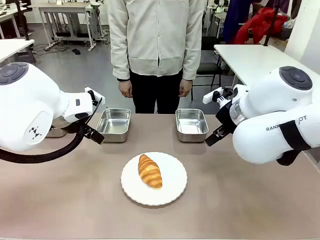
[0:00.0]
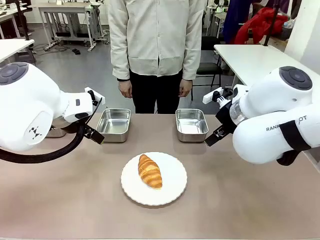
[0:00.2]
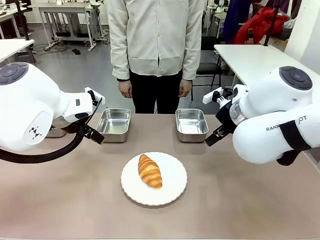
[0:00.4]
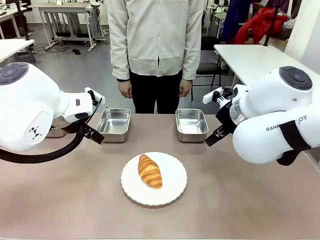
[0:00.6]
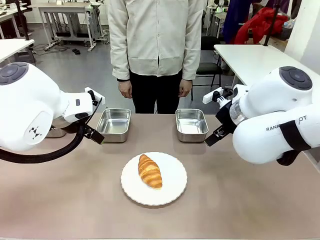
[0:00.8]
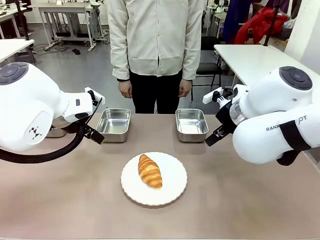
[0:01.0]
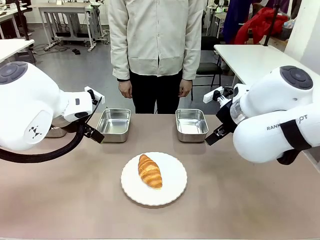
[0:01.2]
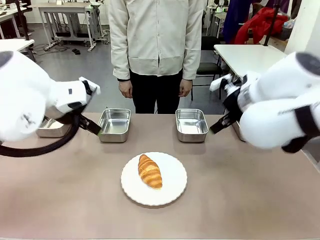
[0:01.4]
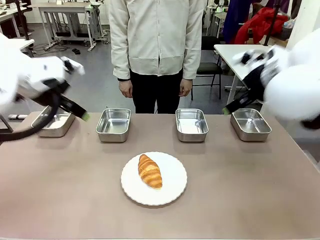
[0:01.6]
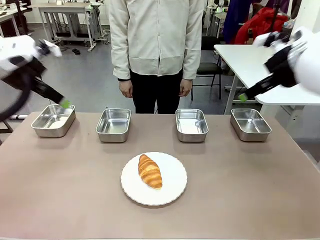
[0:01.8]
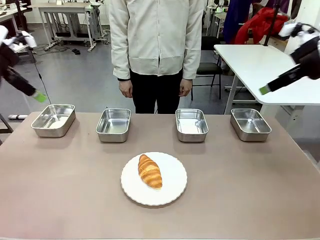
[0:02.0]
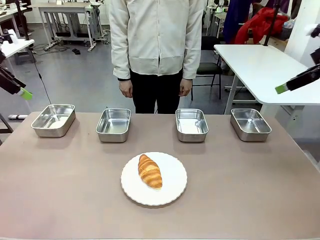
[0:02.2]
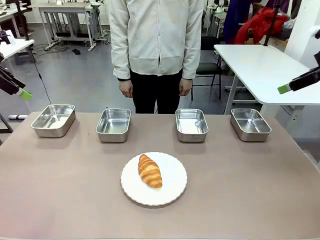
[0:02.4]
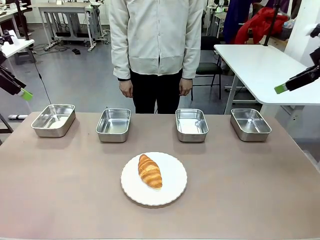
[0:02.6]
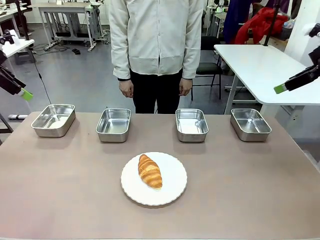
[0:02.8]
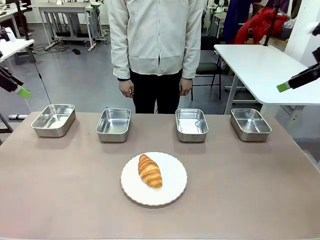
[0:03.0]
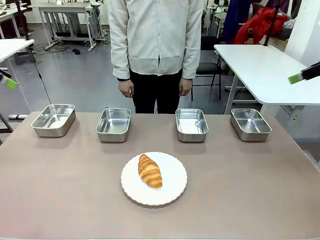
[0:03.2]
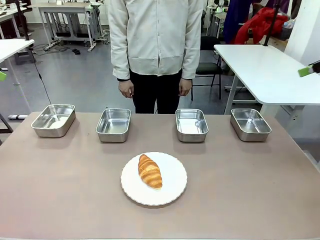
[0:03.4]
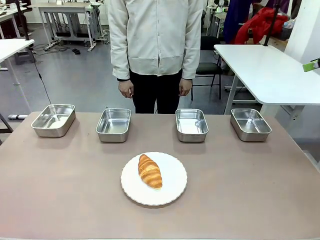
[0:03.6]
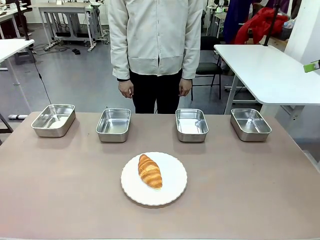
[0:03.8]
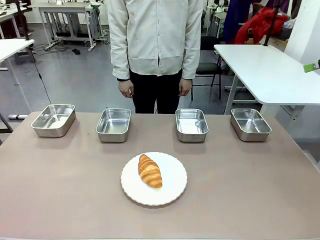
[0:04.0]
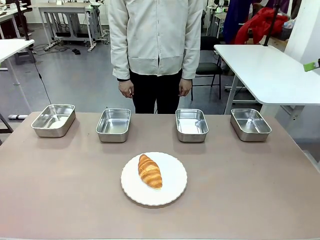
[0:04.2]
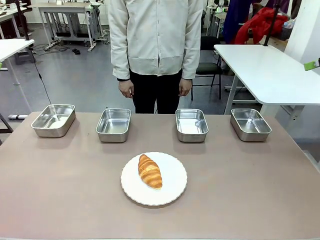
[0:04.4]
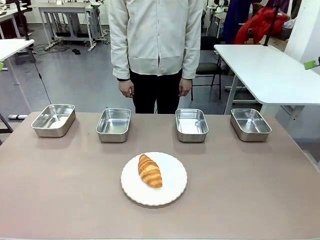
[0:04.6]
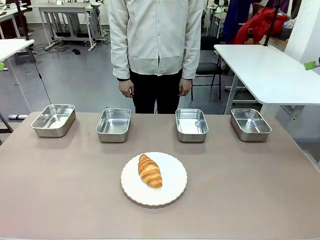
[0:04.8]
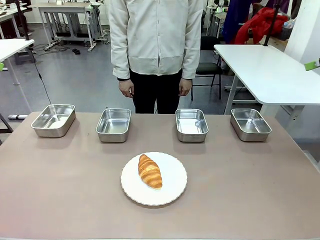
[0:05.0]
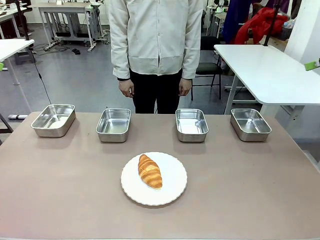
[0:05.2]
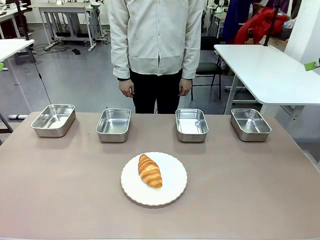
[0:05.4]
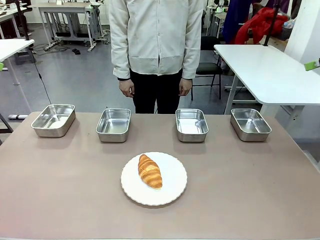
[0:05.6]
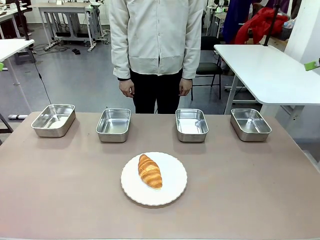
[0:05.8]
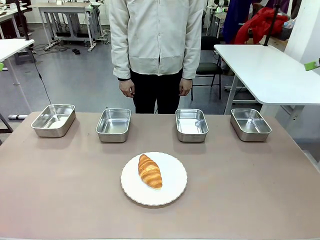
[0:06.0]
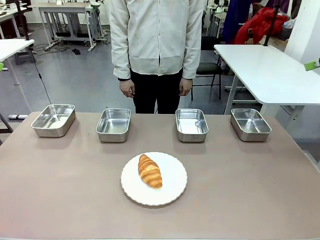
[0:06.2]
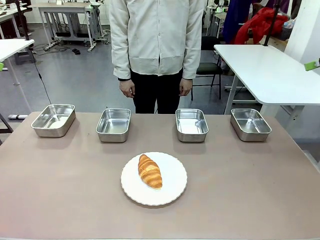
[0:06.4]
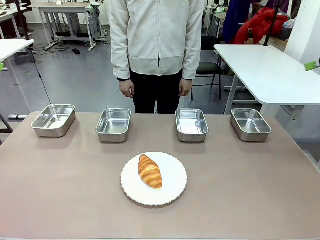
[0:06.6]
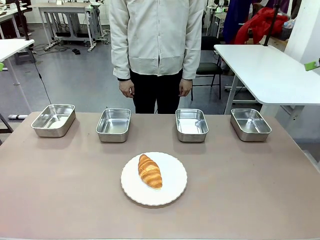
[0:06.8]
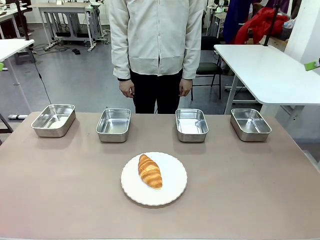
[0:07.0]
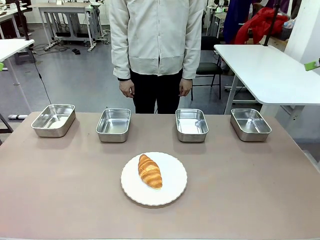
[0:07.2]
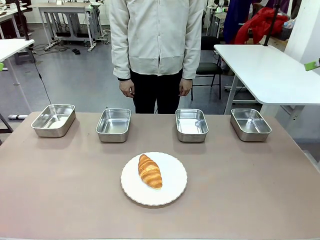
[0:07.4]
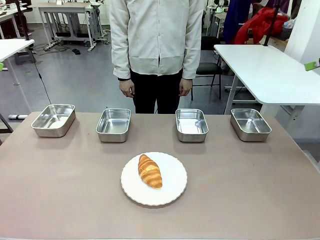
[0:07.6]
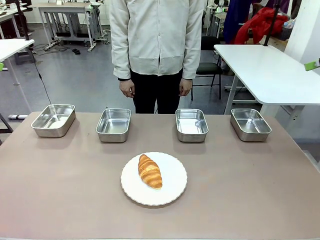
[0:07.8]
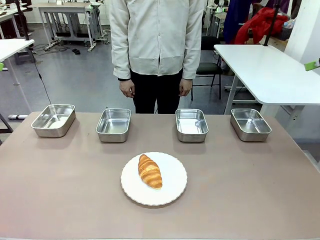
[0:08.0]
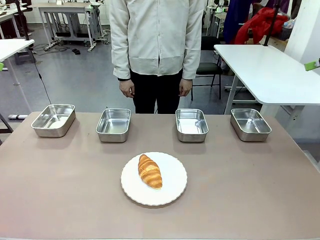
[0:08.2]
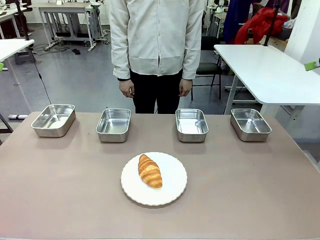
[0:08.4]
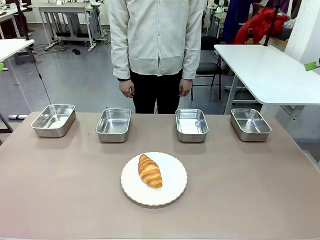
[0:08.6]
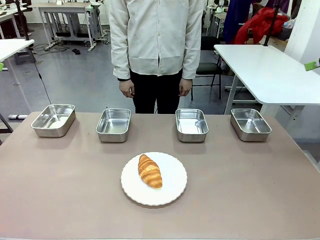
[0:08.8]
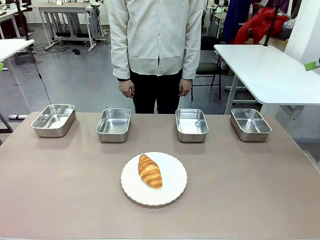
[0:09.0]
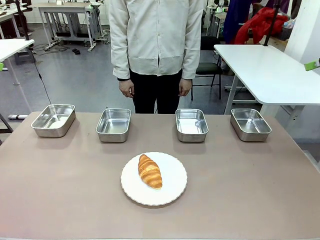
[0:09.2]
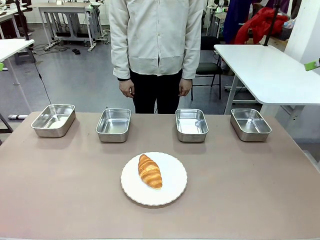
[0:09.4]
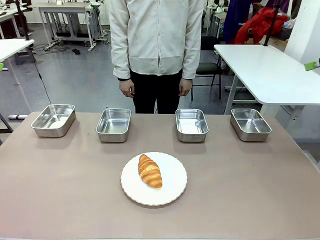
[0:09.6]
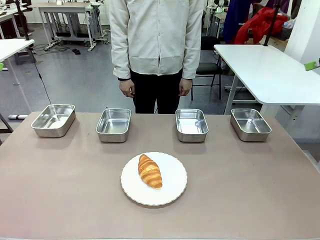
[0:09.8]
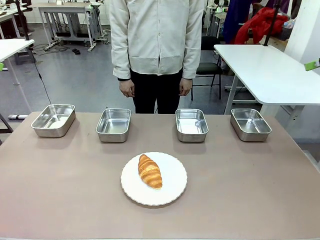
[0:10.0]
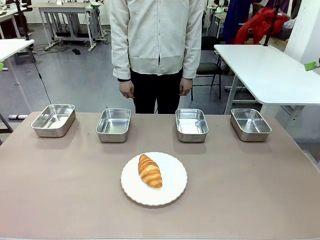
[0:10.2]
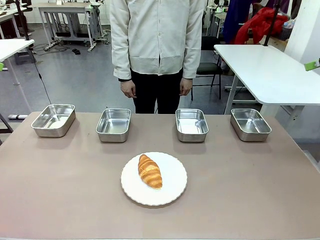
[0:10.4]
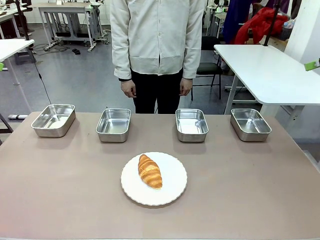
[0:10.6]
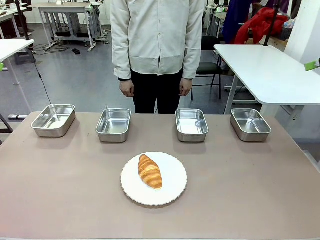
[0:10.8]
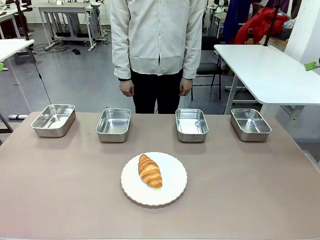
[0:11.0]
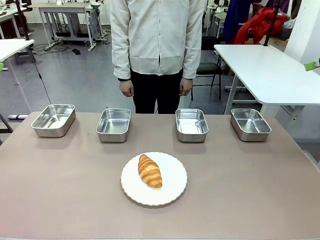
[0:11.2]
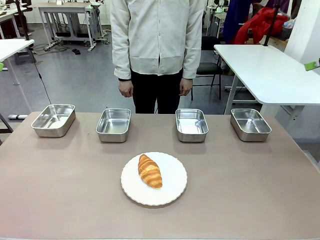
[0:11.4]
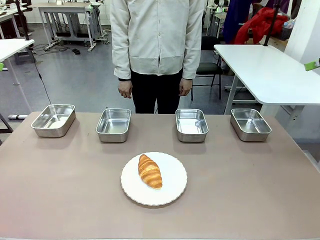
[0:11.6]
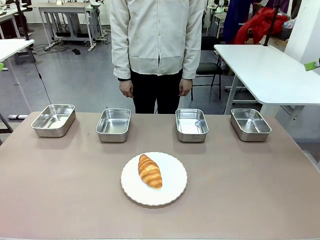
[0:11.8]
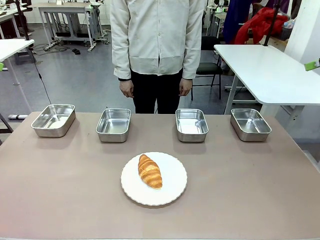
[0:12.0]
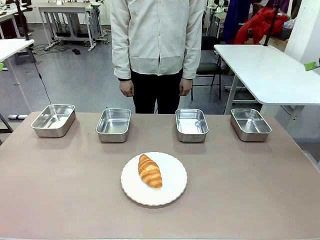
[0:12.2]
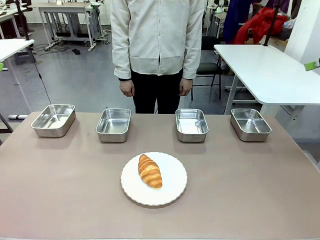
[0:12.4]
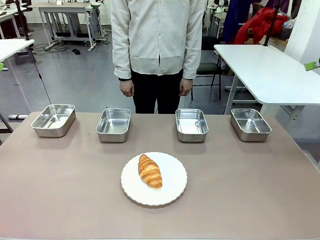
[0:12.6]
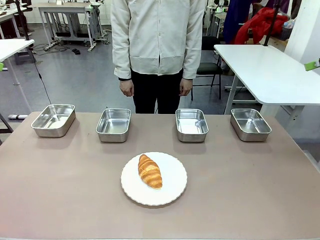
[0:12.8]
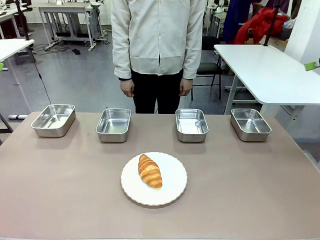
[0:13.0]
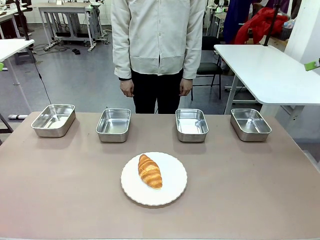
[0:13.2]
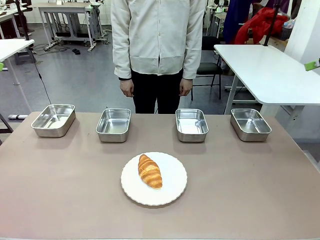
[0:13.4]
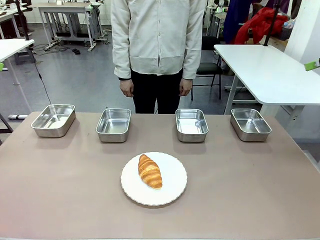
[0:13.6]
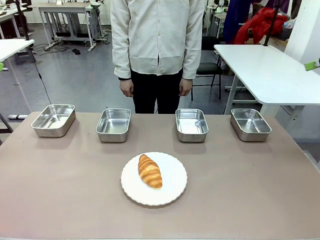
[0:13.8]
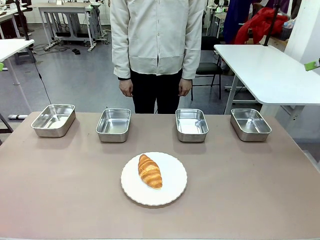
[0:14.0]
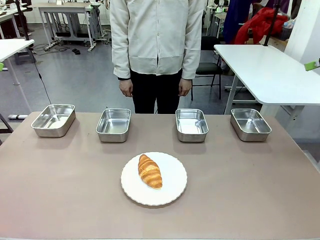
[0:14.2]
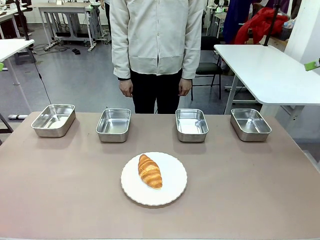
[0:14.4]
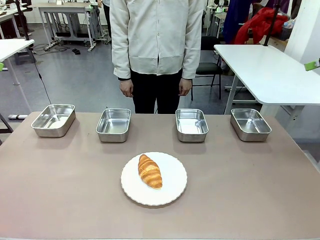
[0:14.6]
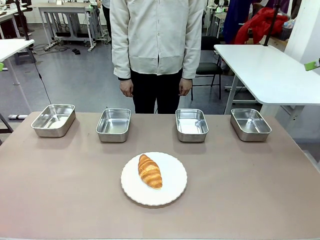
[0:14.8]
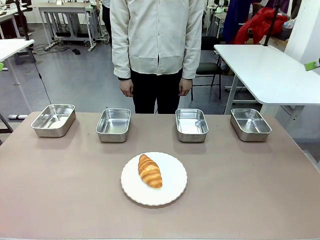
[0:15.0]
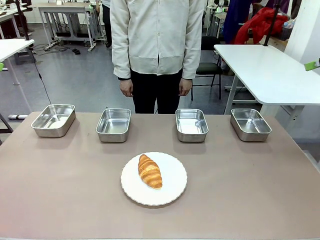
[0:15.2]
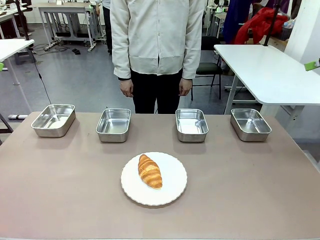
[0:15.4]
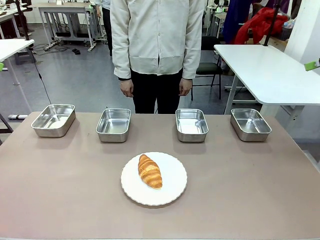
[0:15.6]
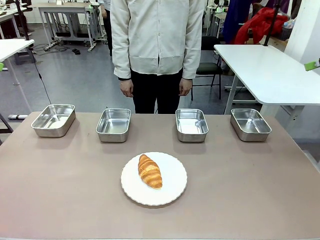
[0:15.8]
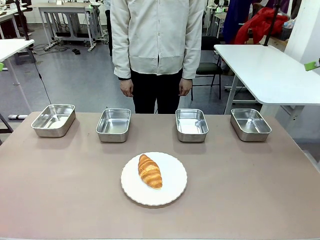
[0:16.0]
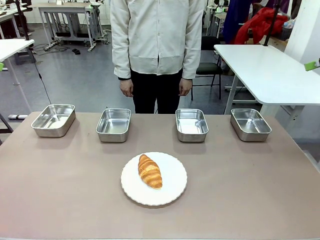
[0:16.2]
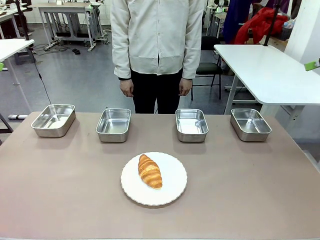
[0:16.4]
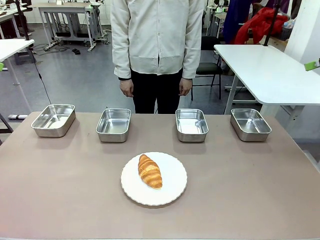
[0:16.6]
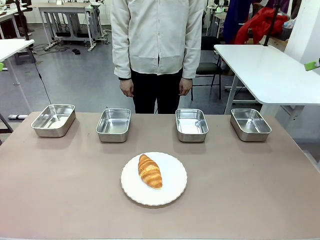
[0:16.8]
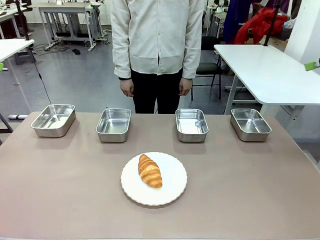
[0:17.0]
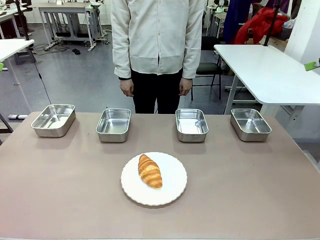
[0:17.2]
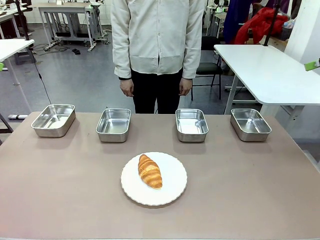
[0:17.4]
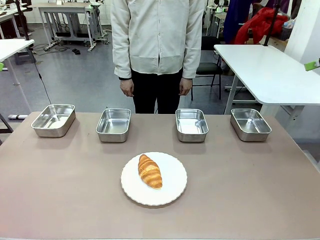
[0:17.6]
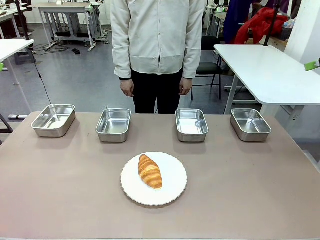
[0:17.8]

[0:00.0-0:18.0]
Task: Place the bread in the container.
Robot: Place the Butter Roll into the Airtight Container indicated by the human.
